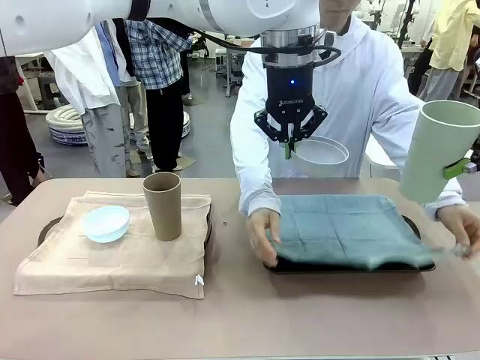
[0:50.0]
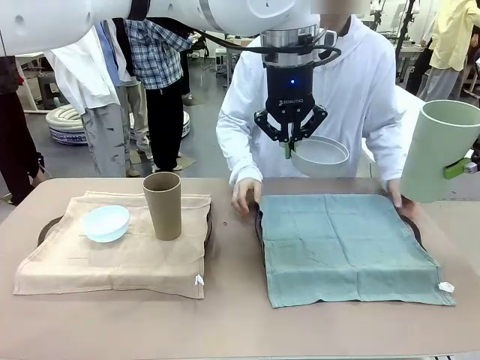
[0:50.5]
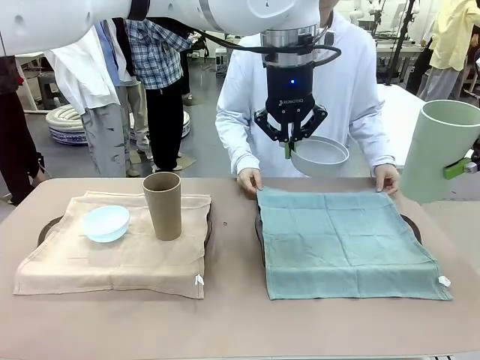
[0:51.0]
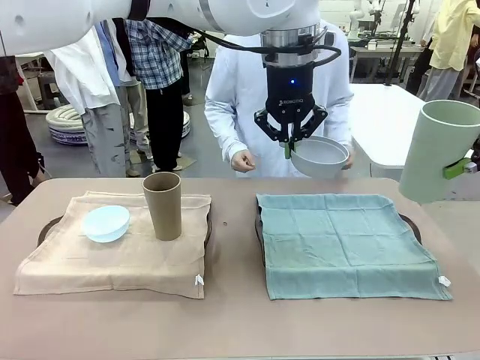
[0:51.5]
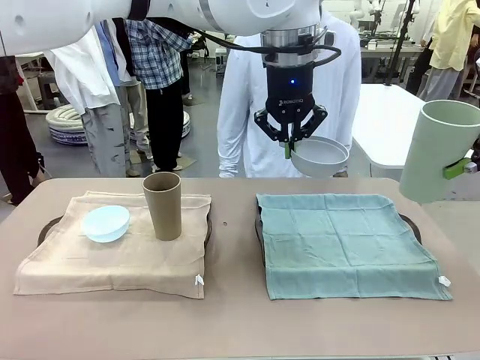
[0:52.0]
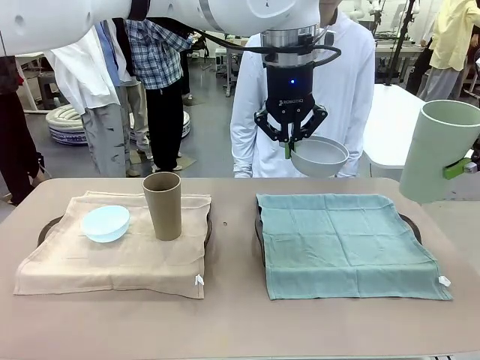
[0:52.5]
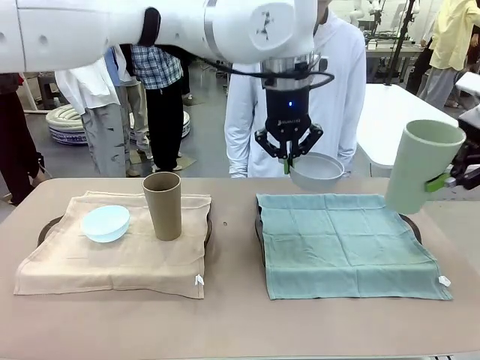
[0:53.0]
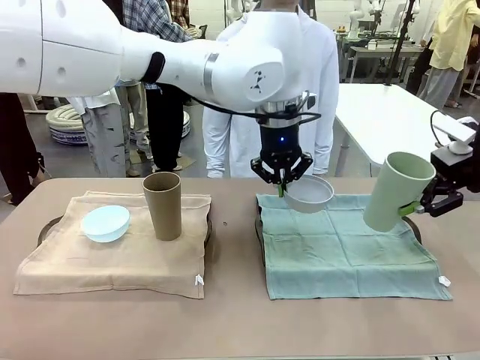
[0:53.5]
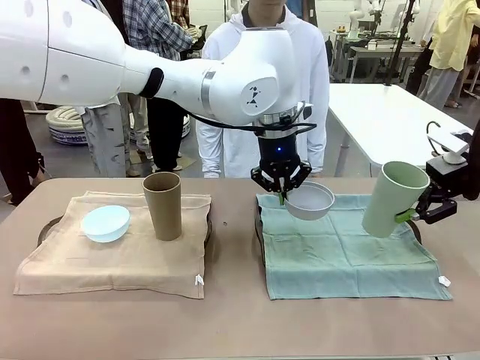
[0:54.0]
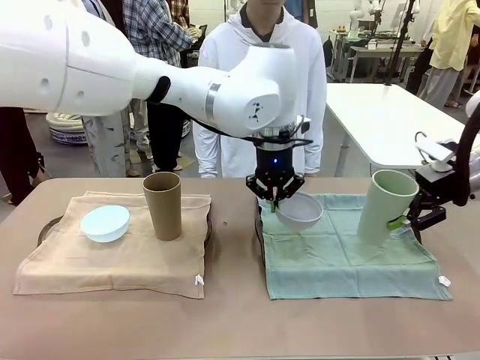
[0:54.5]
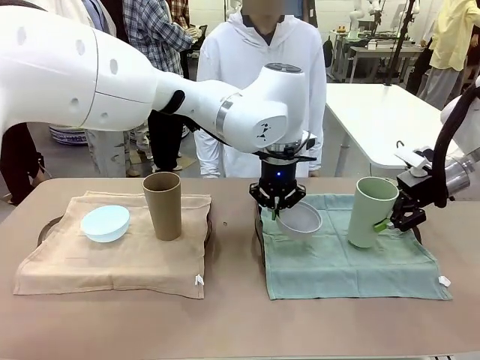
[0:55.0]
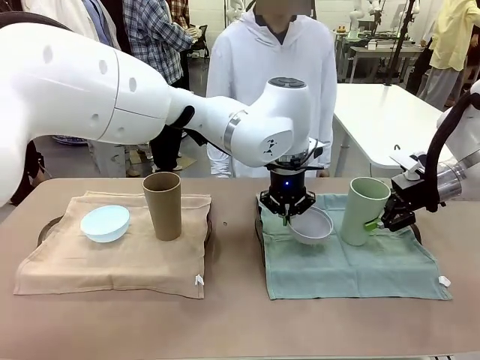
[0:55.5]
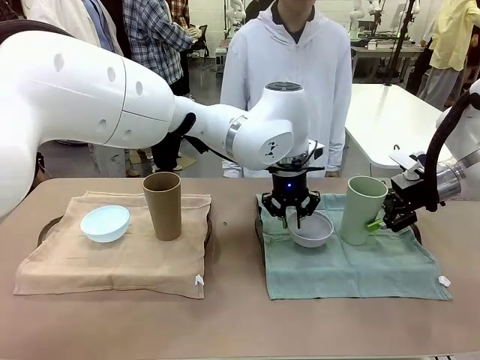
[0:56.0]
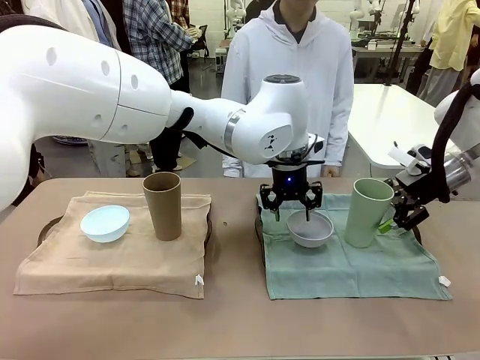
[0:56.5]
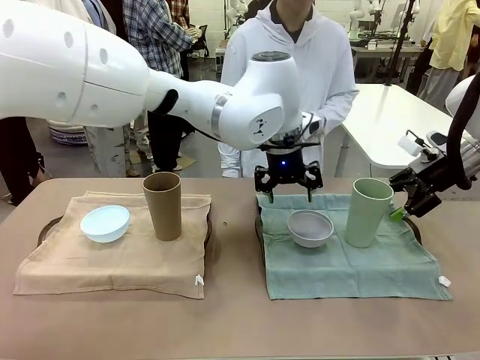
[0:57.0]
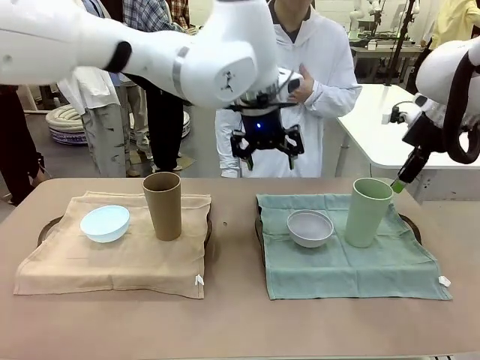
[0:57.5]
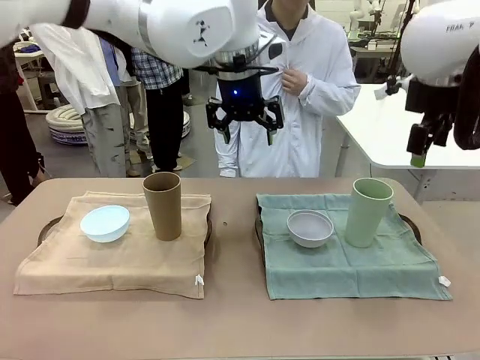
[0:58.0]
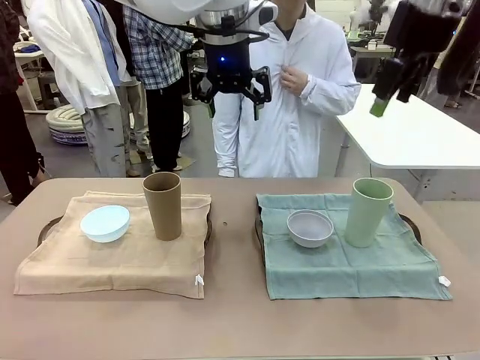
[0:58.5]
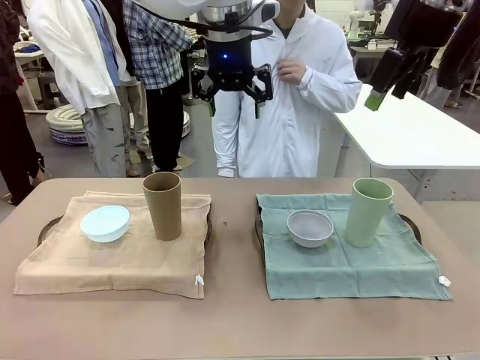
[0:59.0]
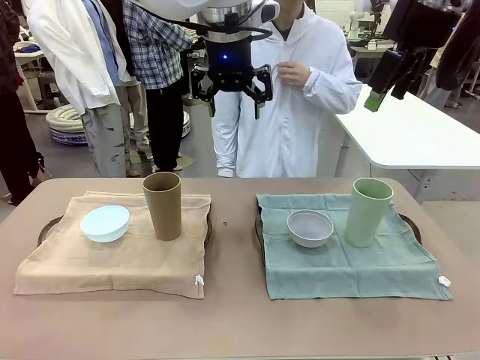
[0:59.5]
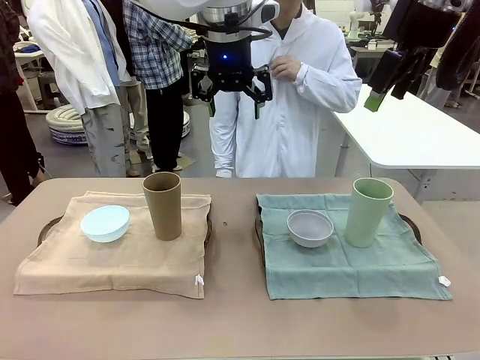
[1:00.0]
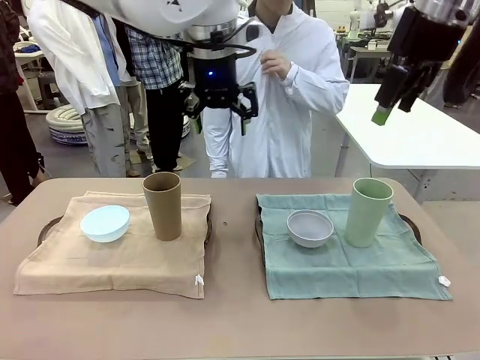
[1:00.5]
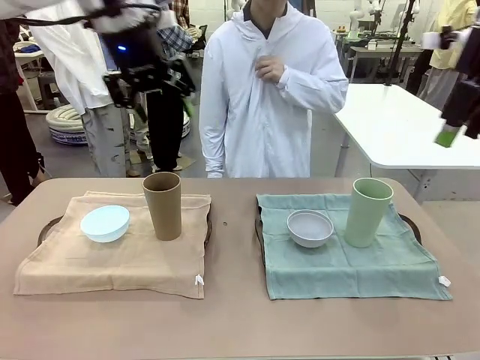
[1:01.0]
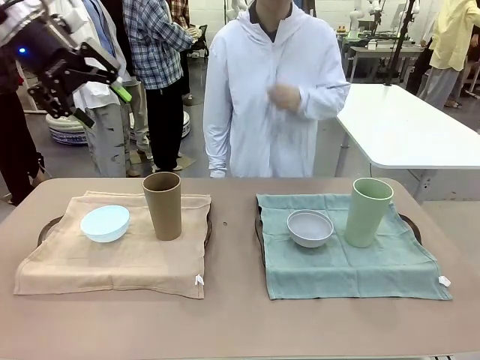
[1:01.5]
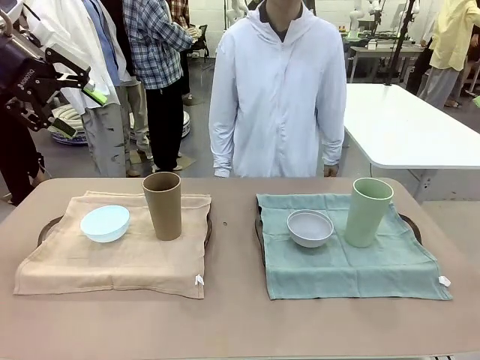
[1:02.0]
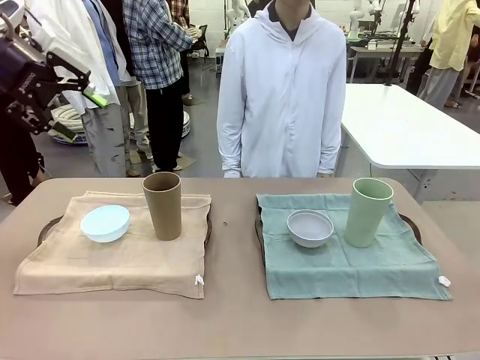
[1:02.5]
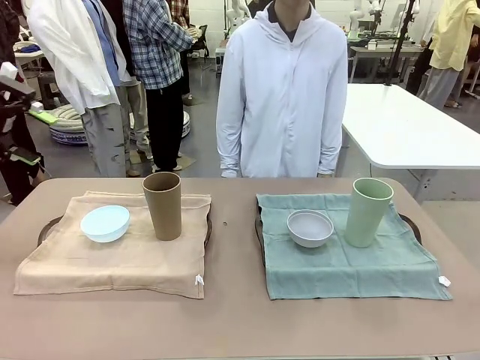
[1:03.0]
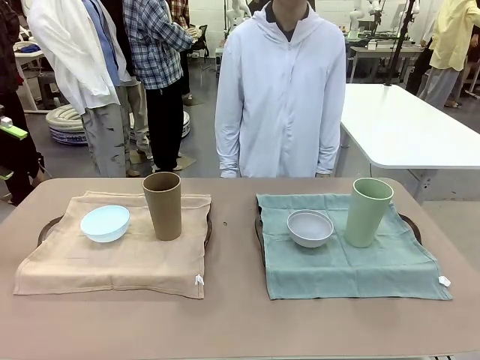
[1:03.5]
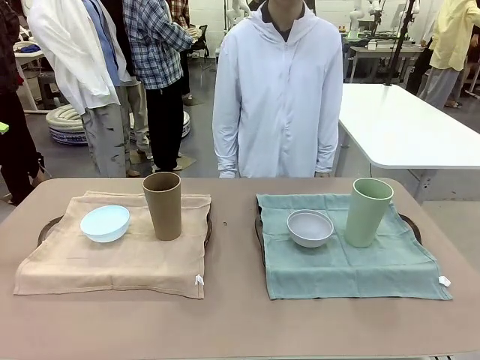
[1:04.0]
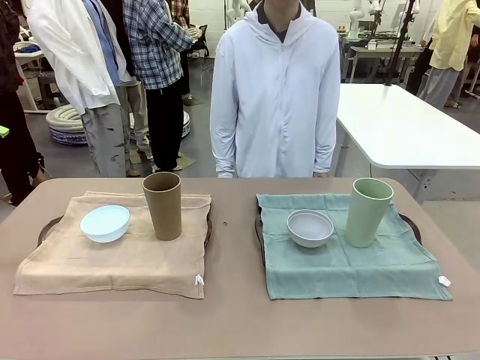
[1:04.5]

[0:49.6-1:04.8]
Robot: Place the Picnic Bowl and Reusable plastic cup back onto the Handle tray in front of the human's position.
Person: When the robot lifts the bowl and the cup, the human unfolds the napkin and lays the napkin flat on the tray.

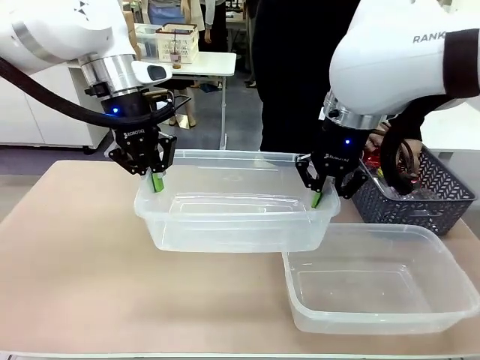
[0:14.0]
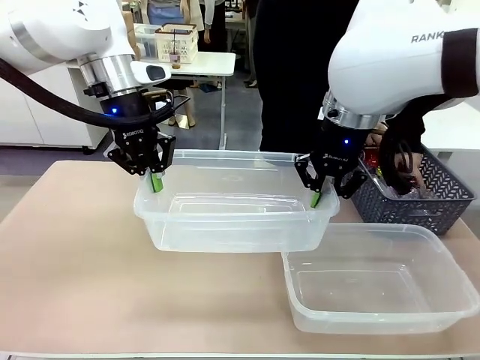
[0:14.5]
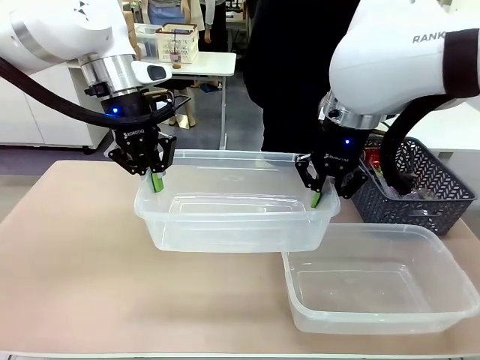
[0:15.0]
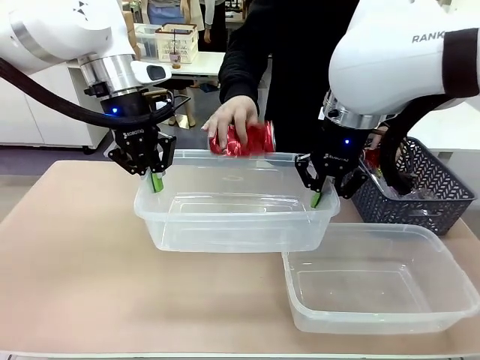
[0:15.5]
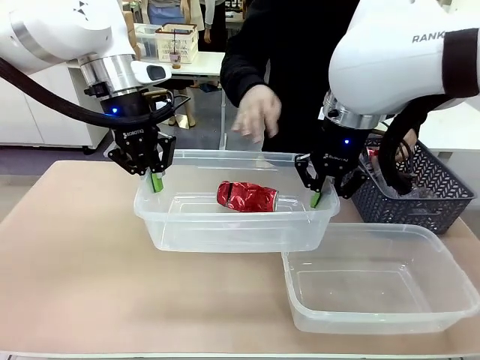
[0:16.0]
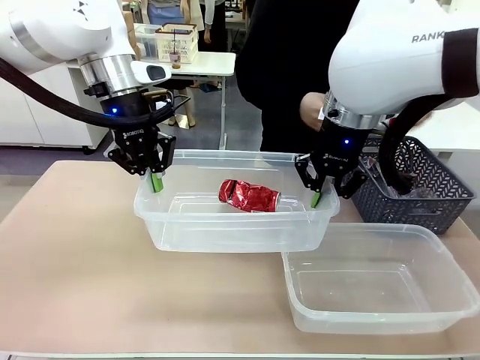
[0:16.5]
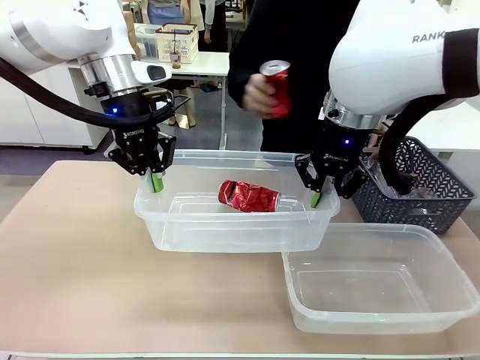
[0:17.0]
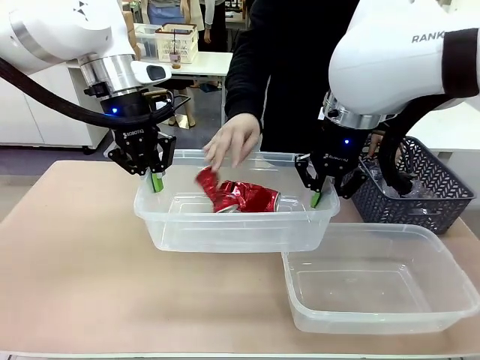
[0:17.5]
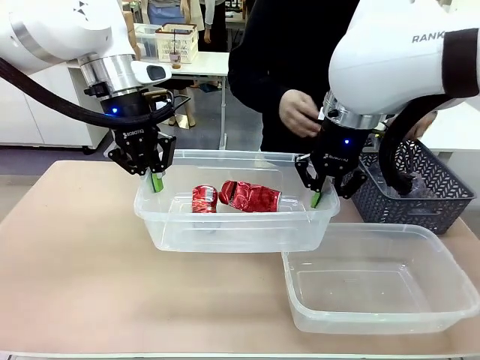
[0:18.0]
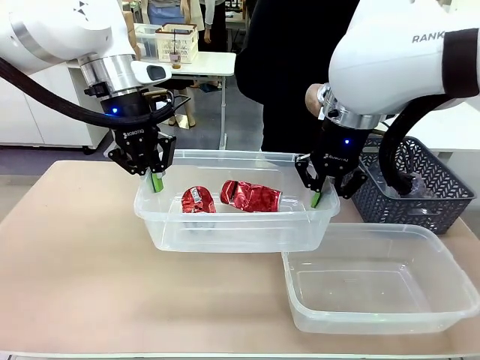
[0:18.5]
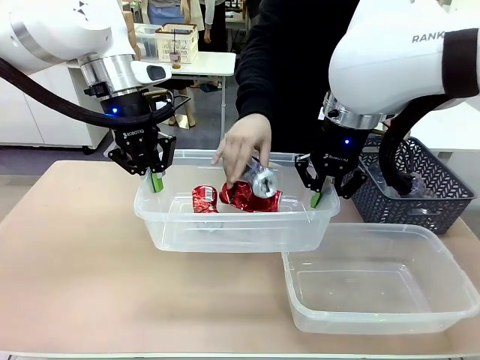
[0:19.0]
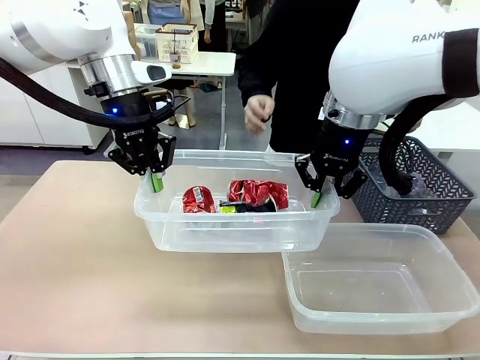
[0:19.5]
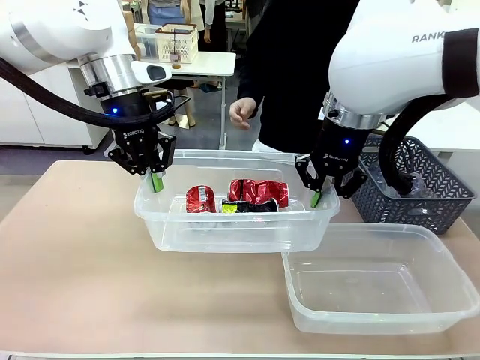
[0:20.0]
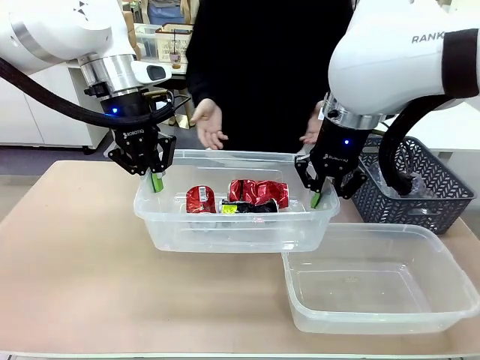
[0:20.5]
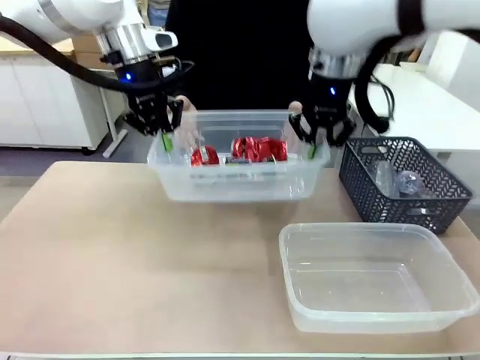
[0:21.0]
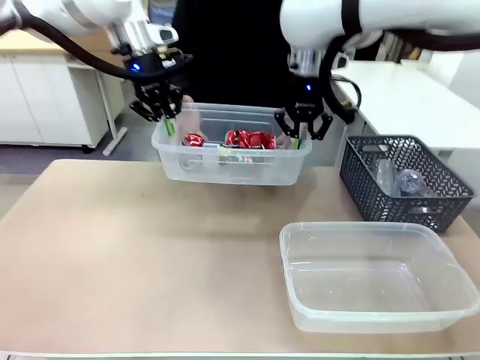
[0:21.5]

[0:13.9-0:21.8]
Robot: Offer the picked Organizing box to the human.

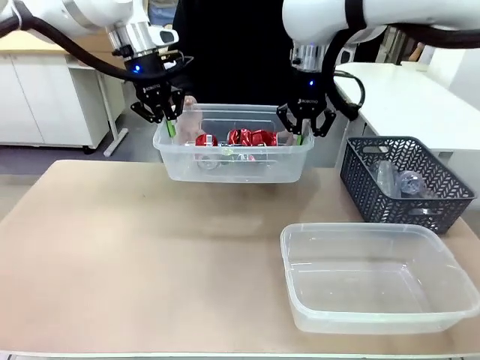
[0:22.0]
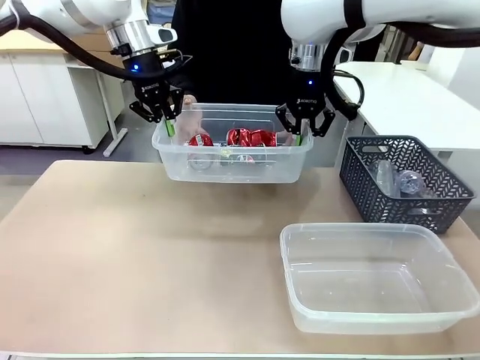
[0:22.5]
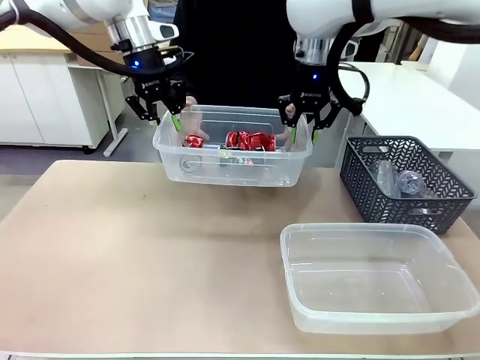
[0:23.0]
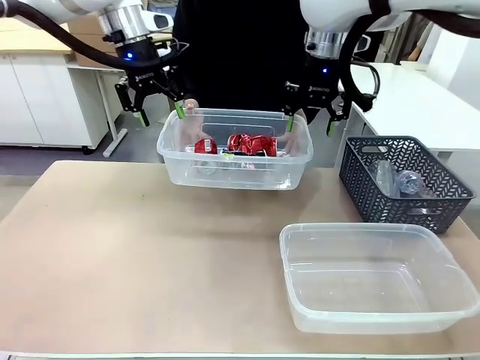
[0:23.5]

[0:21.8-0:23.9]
Robot: Release the Organizing box you were holding.
